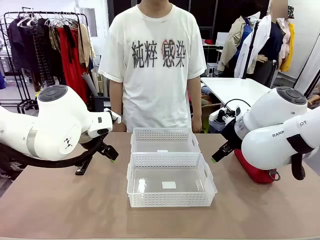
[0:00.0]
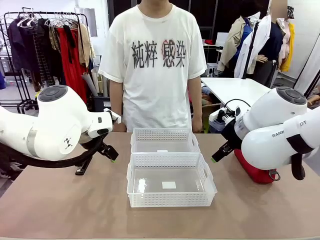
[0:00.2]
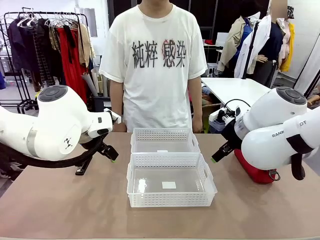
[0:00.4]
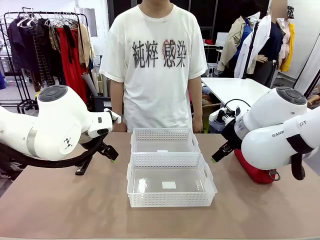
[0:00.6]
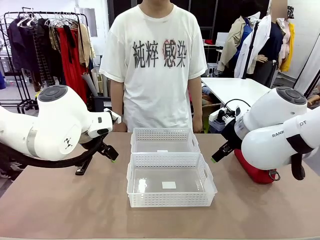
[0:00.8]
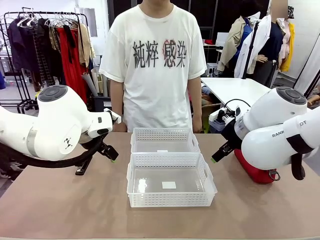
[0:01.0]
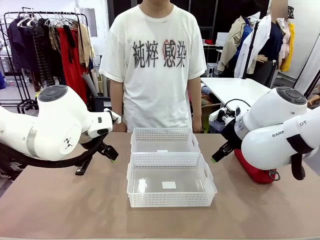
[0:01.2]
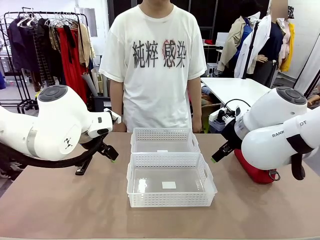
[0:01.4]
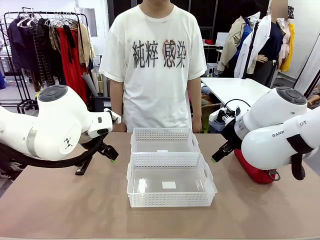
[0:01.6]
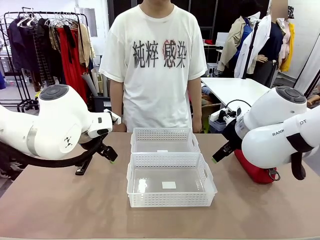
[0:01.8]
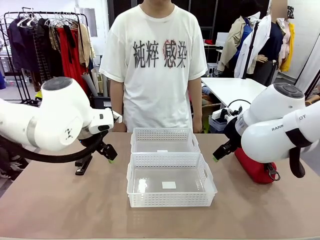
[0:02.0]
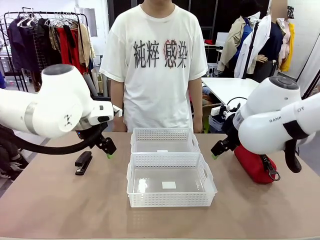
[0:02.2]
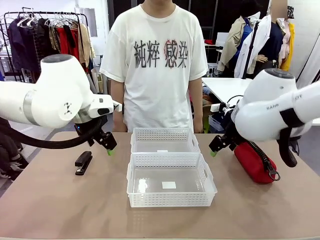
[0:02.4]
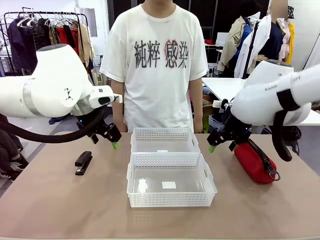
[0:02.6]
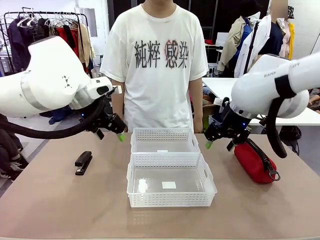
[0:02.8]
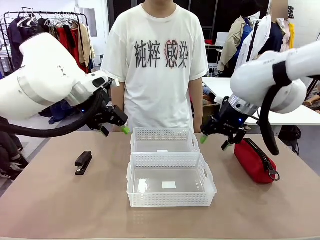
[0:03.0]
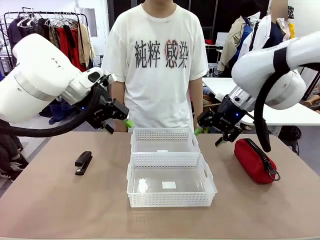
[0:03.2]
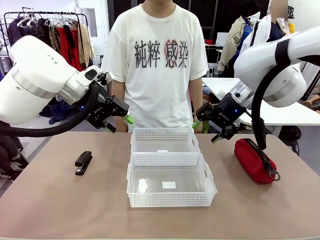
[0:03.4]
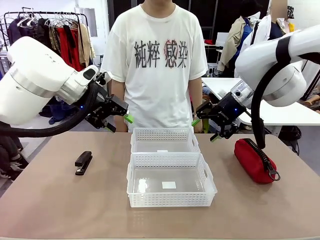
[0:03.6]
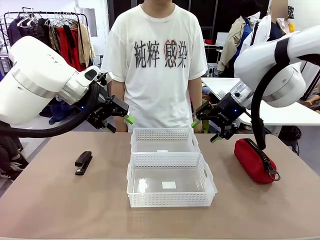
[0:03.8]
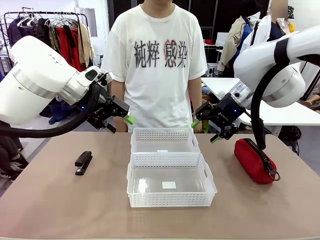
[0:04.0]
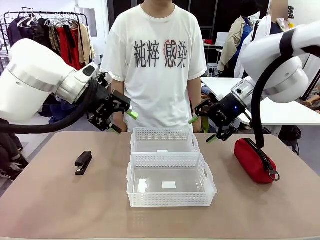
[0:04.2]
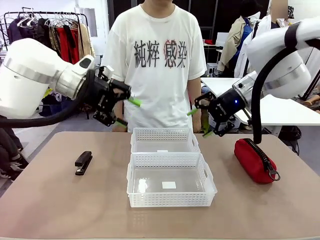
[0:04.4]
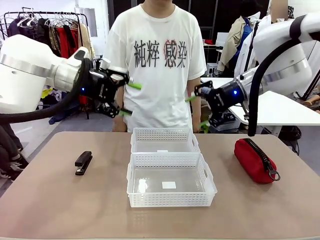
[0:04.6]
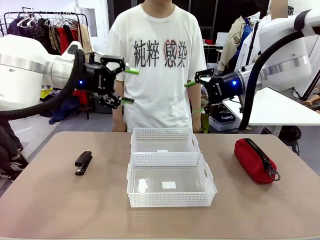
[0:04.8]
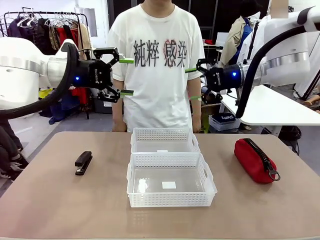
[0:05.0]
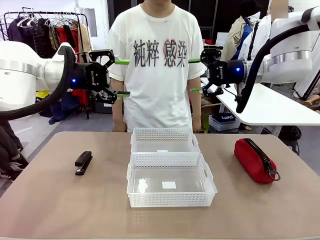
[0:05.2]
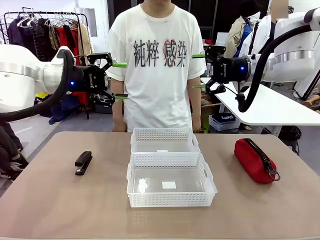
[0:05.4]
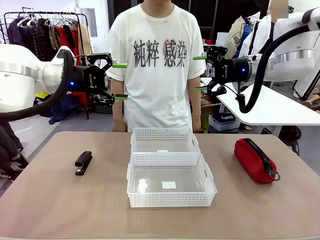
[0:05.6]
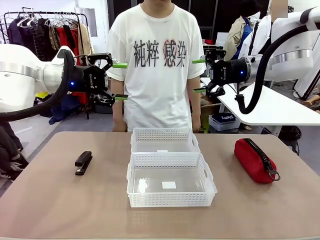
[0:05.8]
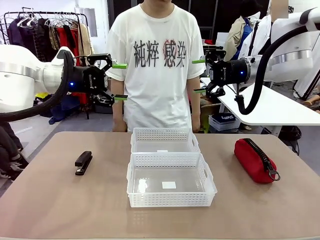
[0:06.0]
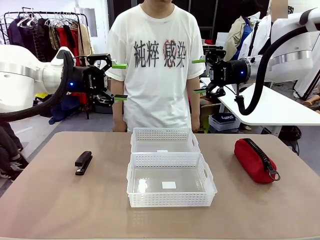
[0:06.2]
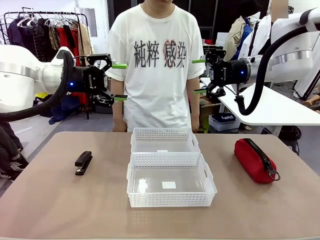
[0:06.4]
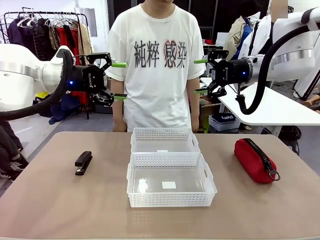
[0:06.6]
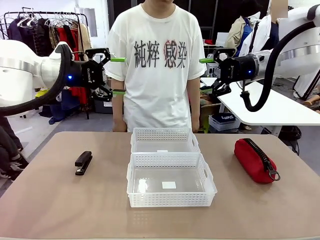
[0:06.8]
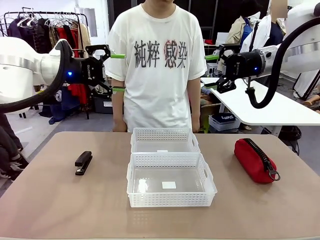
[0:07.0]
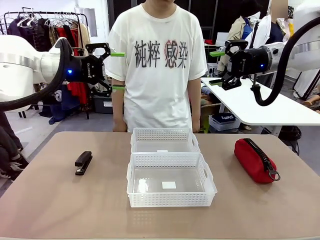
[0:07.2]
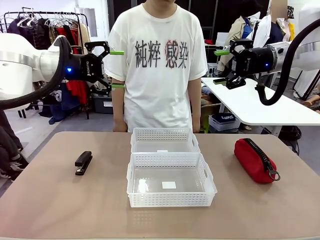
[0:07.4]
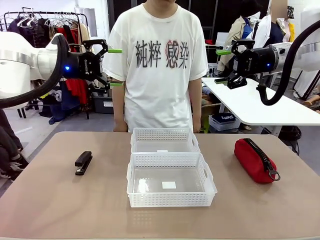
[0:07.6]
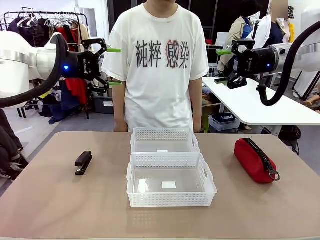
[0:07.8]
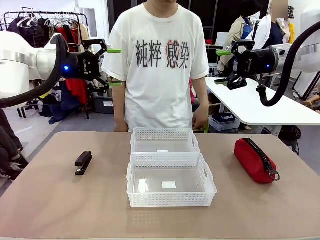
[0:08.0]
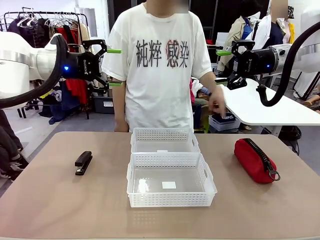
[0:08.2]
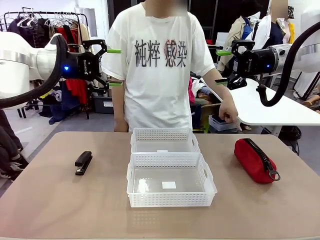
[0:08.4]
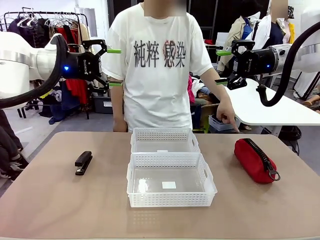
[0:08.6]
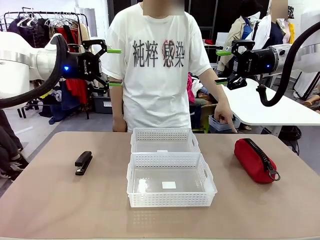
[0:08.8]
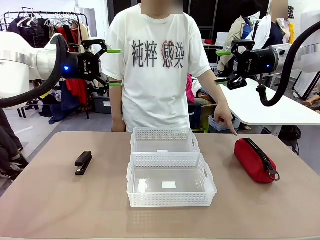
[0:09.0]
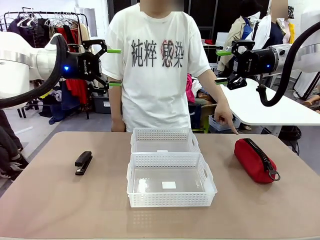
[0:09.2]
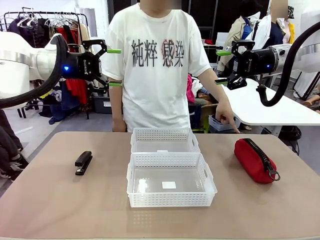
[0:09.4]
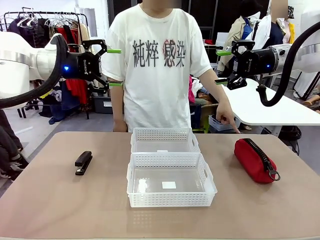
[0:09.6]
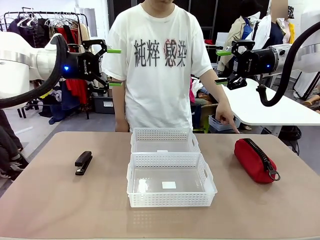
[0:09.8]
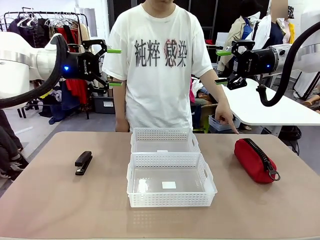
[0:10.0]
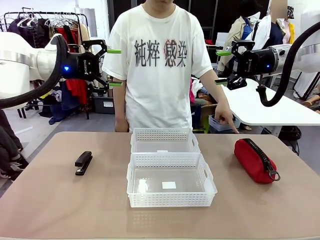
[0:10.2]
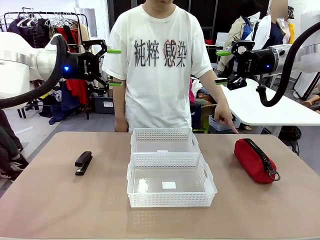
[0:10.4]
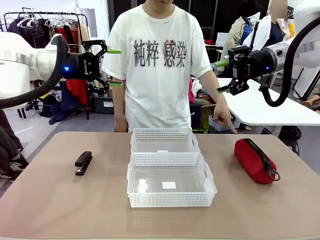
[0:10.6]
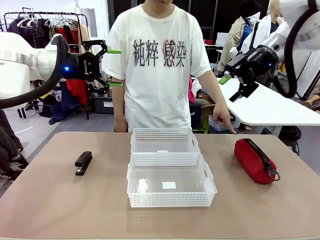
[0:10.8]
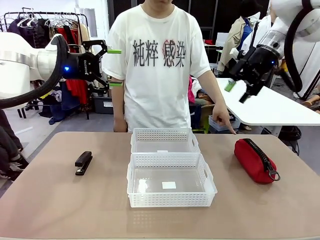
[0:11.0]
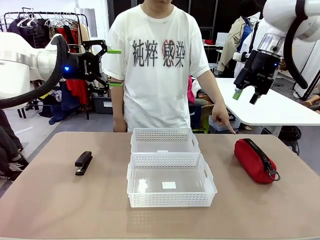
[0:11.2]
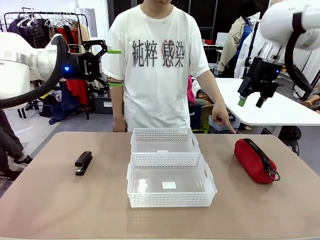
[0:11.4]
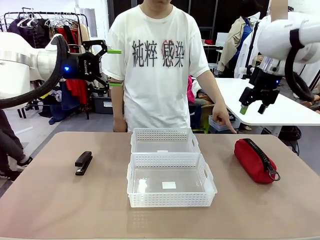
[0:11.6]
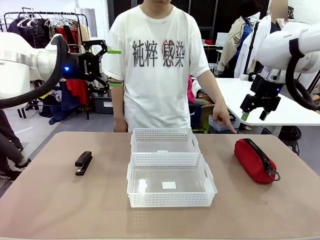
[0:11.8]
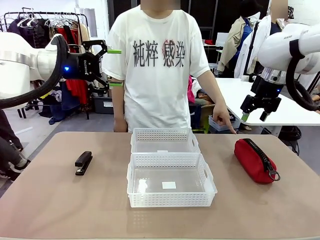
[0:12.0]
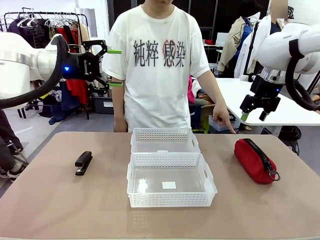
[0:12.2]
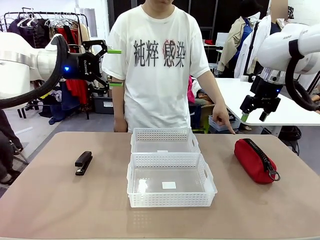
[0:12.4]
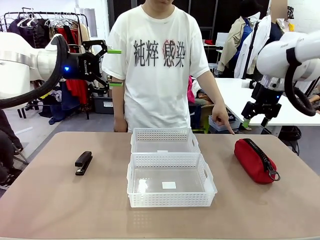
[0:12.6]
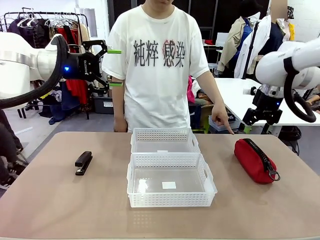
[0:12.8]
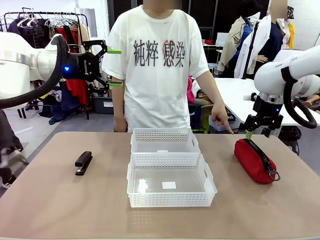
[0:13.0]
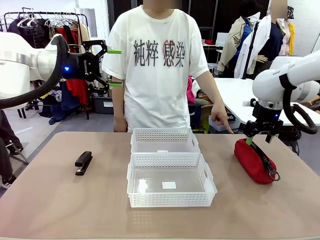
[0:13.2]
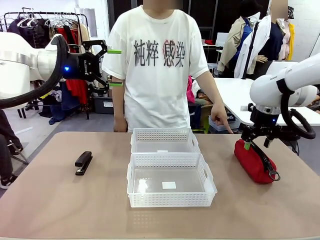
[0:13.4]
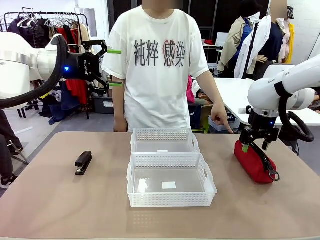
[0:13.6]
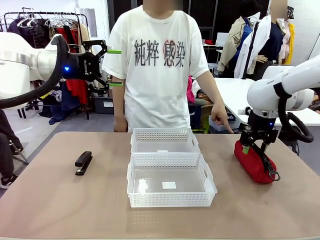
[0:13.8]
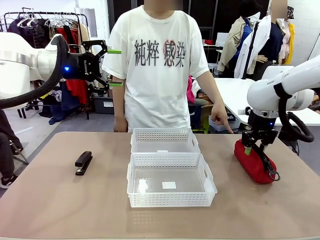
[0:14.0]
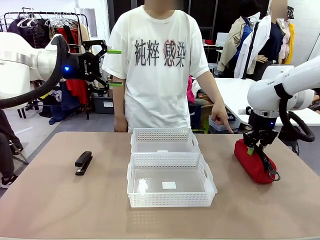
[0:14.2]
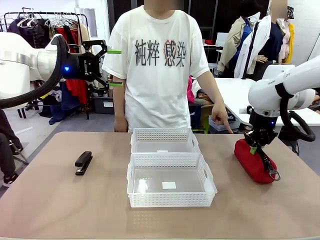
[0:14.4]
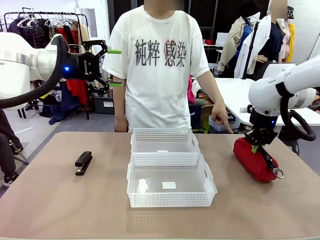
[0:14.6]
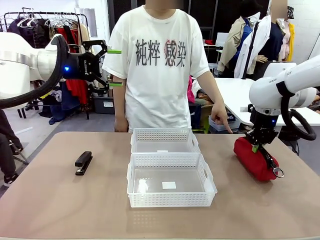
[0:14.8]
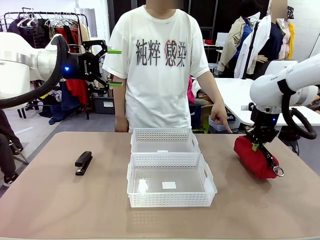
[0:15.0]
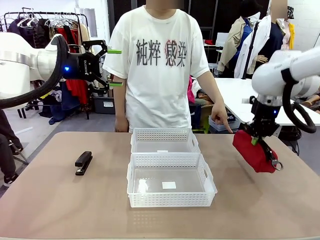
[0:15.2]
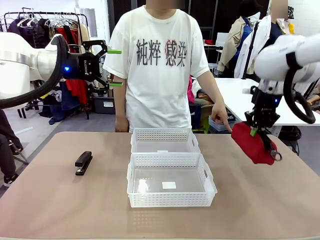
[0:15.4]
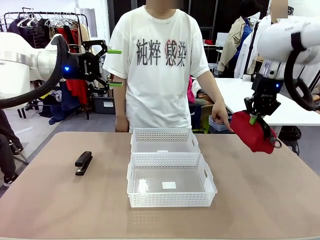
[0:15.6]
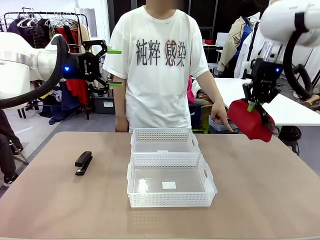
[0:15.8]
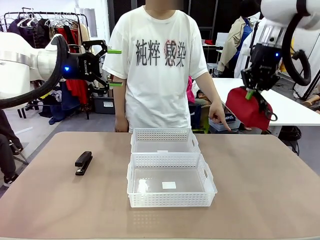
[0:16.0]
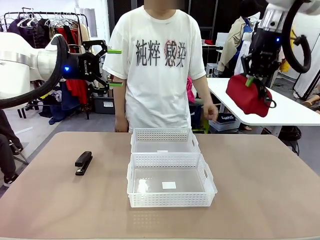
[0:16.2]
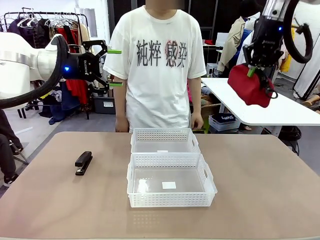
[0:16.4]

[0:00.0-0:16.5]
Task: Distribute items into two baskets.
Robot: Pick up the Pencil pouch that the person points to.
Person: Points to the pencil case. Points between the two organizing baskets and instructs the robot to move the pencil case.

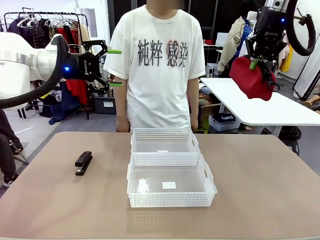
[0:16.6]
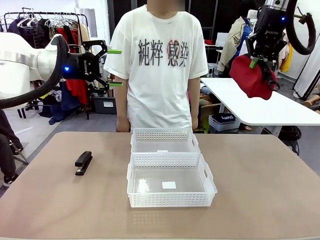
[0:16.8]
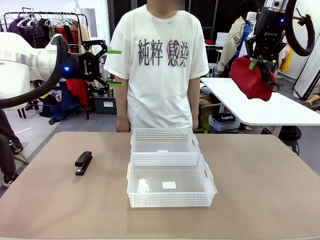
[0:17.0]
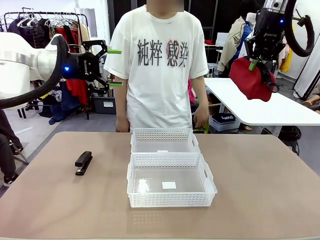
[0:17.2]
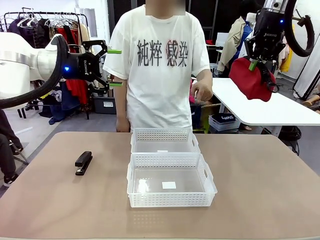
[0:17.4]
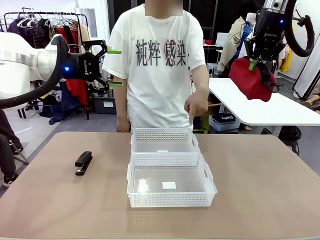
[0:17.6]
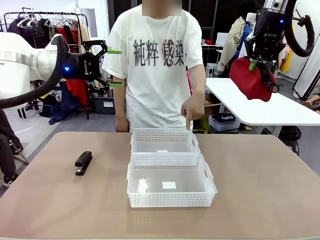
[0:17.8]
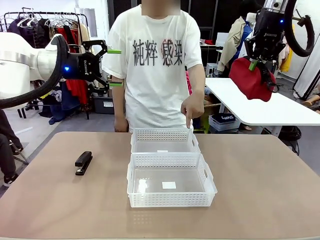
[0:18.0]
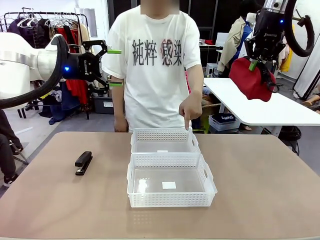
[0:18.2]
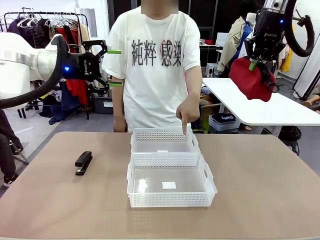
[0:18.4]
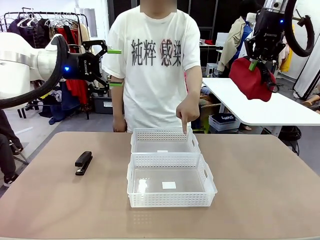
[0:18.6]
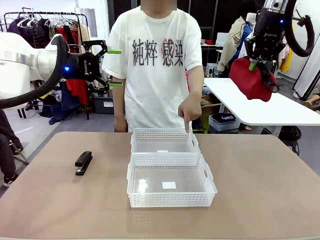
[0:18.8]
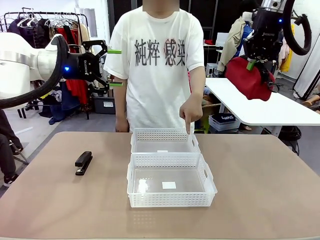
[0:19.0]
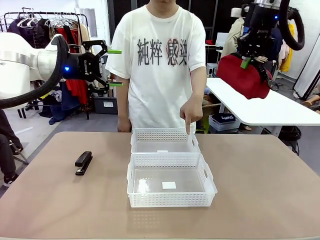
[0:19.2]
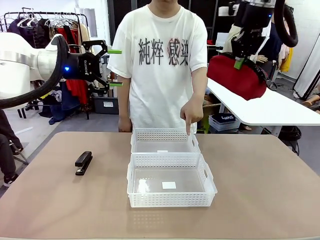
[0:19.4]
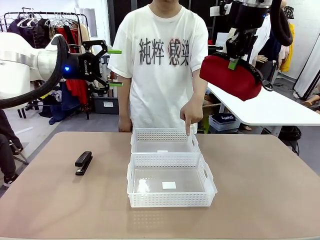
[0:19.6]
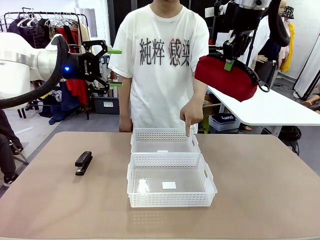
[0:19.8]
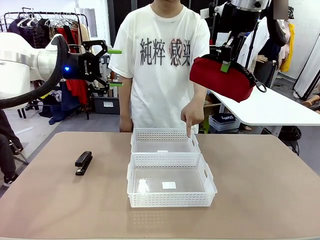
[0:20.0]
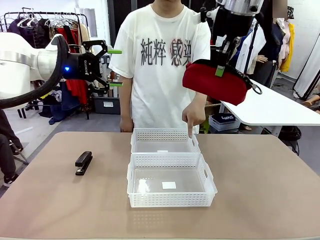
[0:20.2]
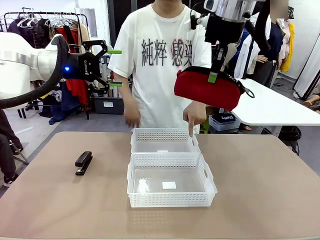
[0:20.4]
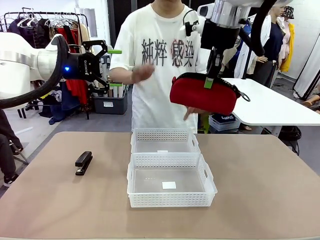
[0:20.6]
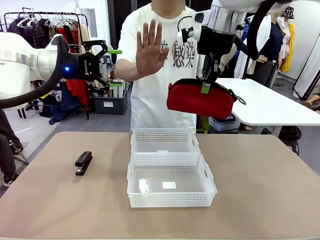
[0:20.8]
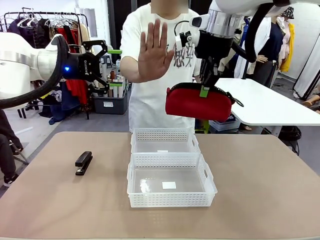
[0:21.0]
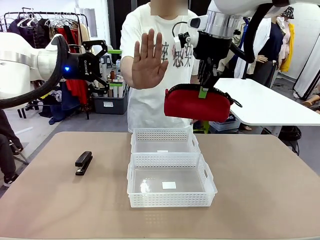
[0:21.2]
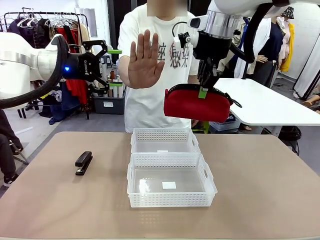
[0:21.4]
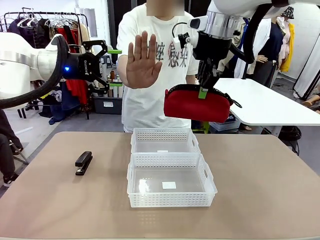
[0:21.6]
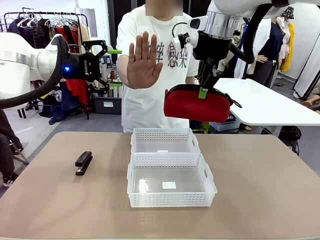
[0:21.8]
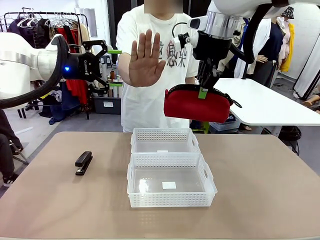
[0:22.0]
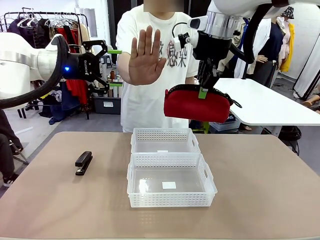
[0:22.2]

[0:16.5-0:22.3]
Robot: Move the picked Pencil pouch towards the Organizing basket indicated by the person, stopping as directed.
Person: Sends a stop gesture before the robot places the pencil case into the basket.
